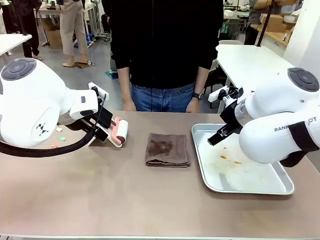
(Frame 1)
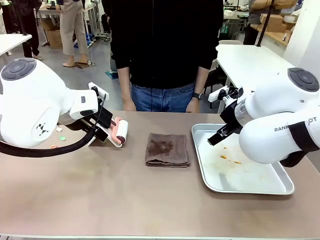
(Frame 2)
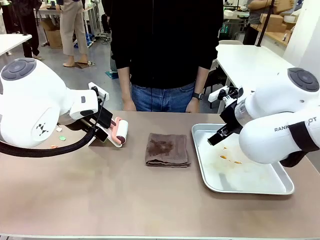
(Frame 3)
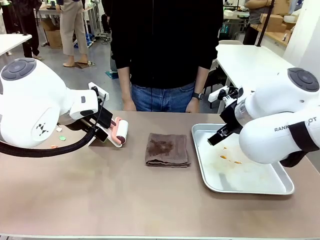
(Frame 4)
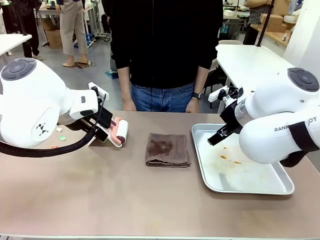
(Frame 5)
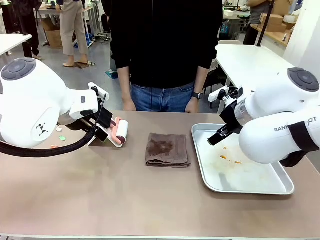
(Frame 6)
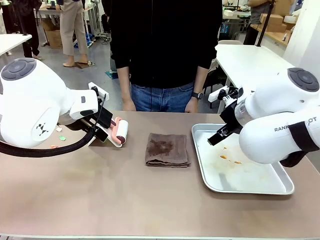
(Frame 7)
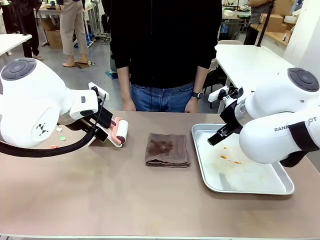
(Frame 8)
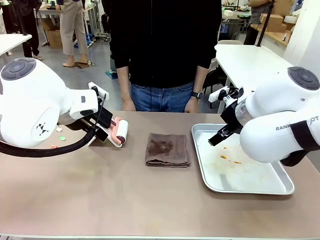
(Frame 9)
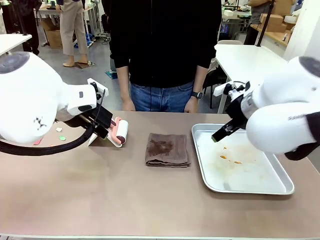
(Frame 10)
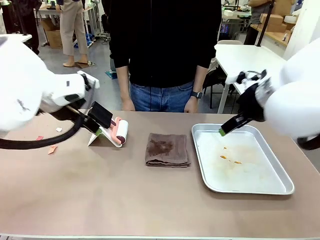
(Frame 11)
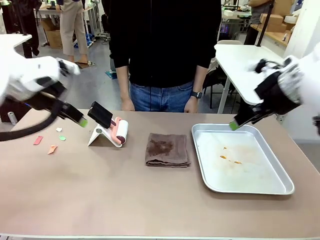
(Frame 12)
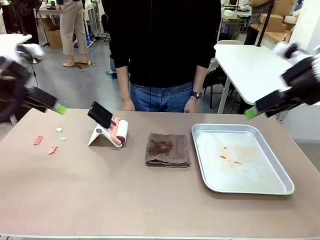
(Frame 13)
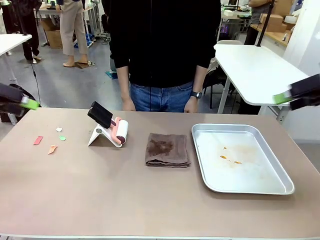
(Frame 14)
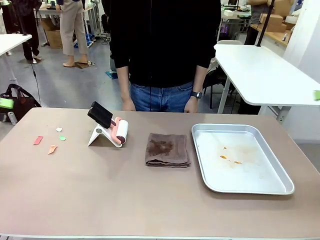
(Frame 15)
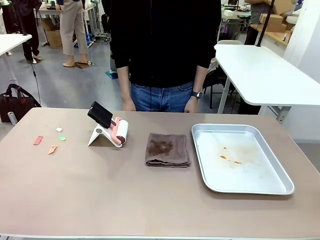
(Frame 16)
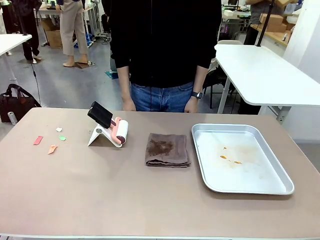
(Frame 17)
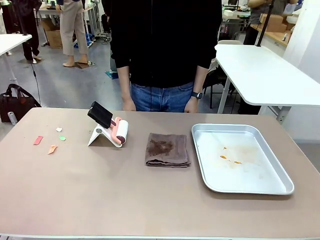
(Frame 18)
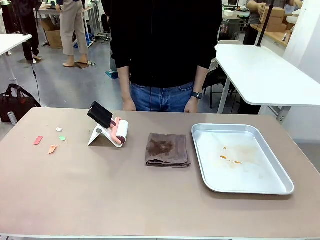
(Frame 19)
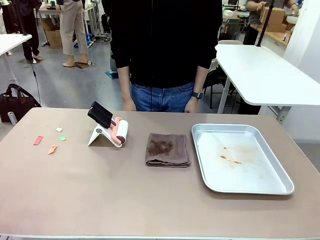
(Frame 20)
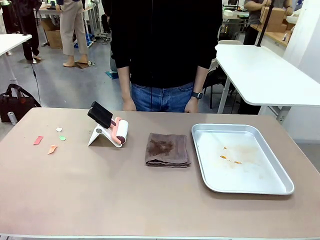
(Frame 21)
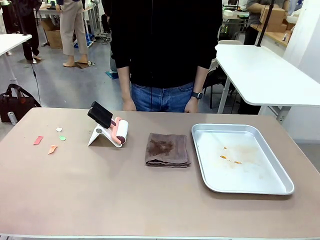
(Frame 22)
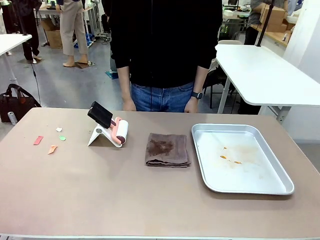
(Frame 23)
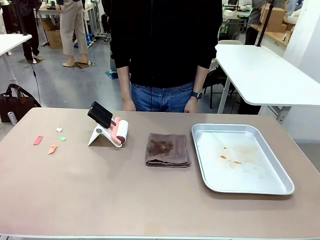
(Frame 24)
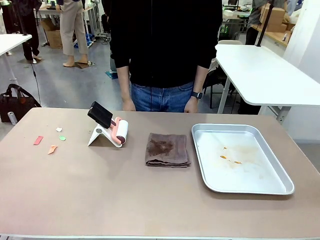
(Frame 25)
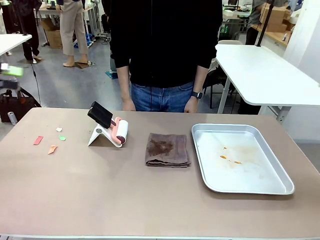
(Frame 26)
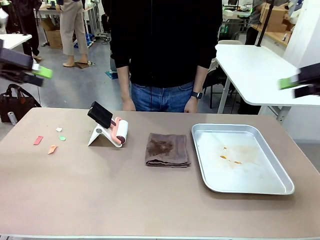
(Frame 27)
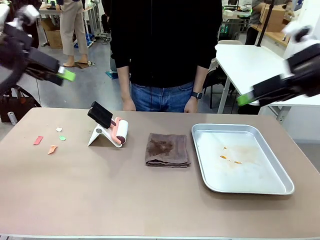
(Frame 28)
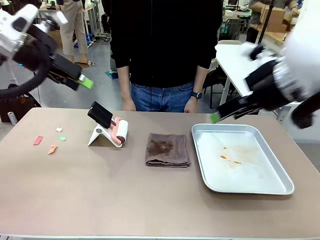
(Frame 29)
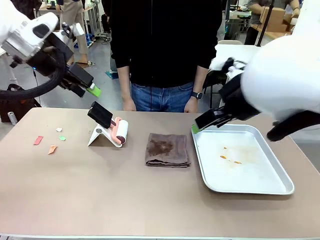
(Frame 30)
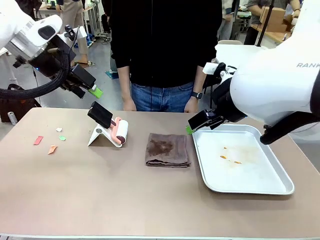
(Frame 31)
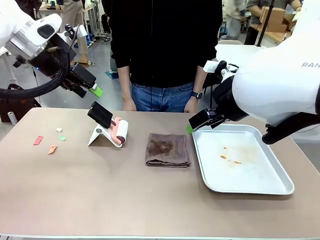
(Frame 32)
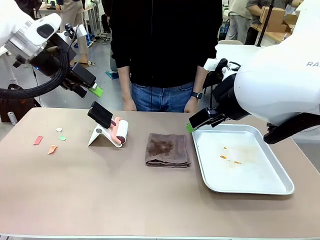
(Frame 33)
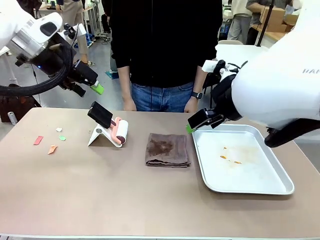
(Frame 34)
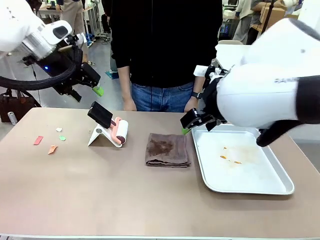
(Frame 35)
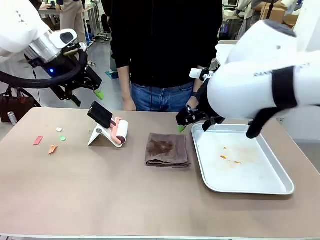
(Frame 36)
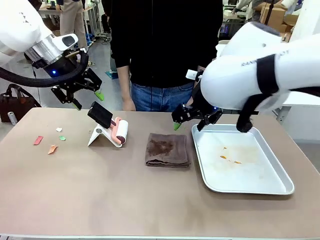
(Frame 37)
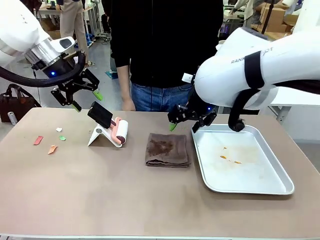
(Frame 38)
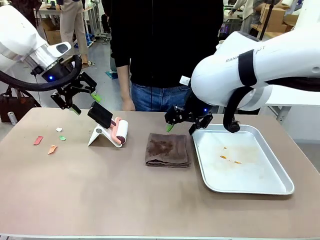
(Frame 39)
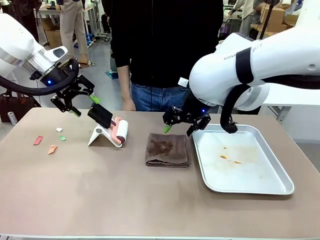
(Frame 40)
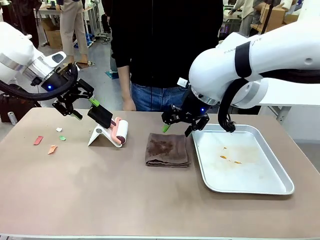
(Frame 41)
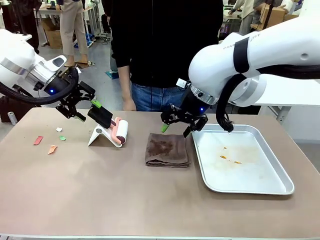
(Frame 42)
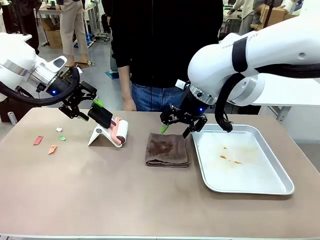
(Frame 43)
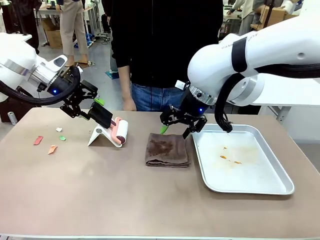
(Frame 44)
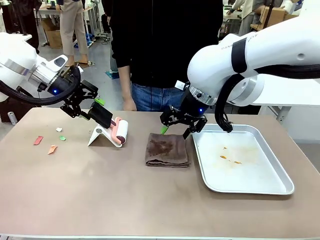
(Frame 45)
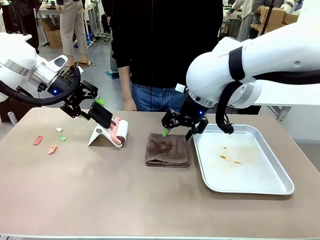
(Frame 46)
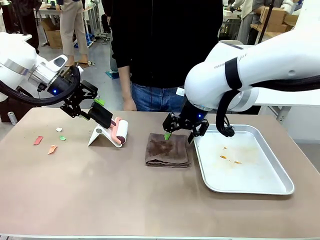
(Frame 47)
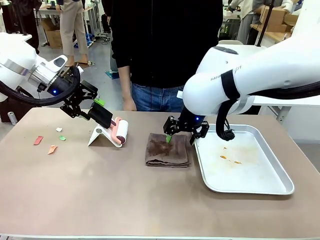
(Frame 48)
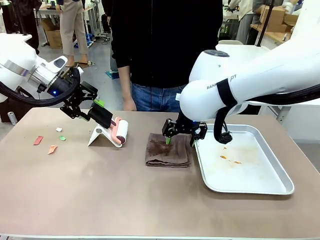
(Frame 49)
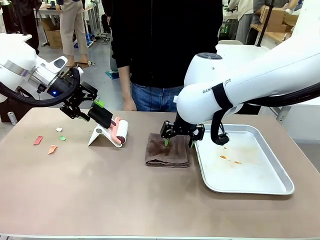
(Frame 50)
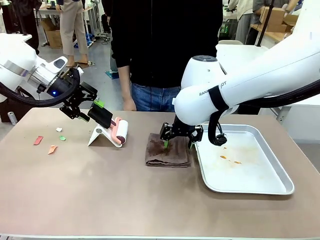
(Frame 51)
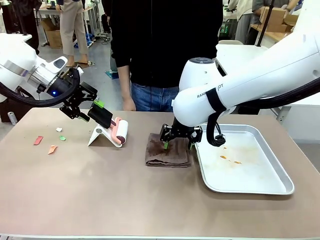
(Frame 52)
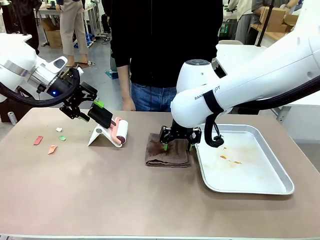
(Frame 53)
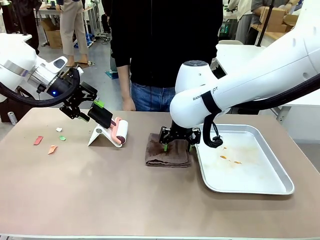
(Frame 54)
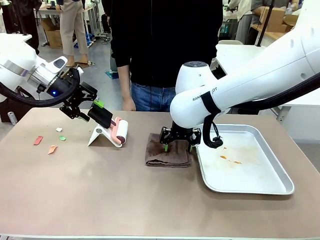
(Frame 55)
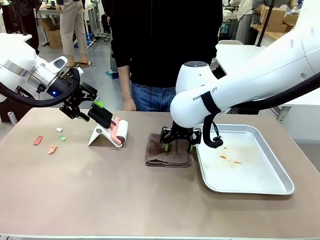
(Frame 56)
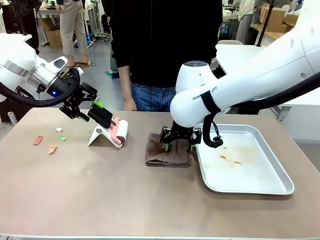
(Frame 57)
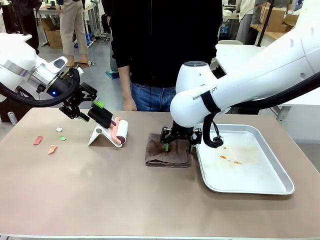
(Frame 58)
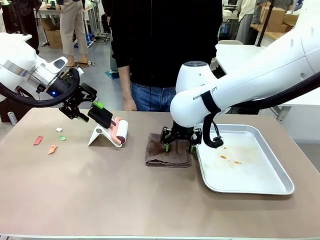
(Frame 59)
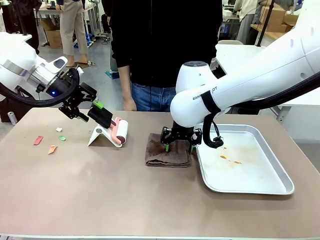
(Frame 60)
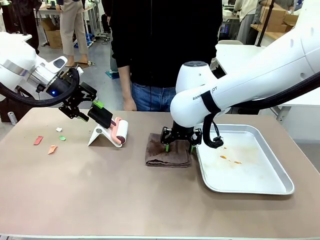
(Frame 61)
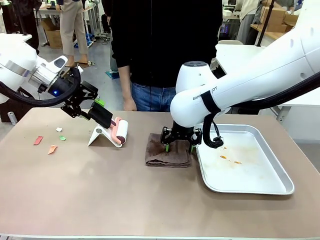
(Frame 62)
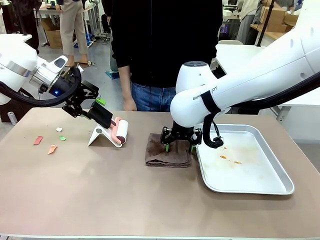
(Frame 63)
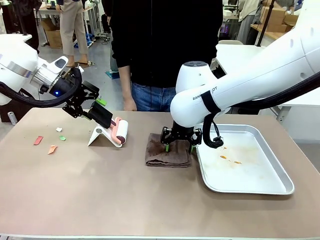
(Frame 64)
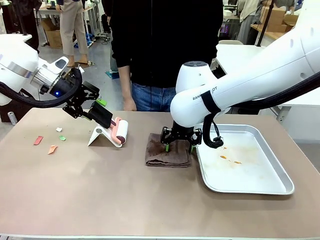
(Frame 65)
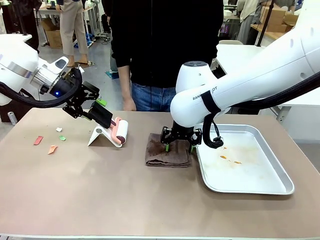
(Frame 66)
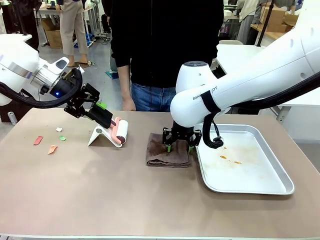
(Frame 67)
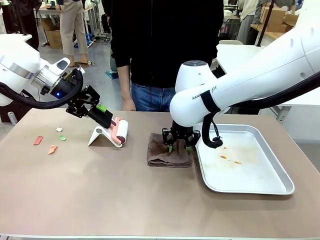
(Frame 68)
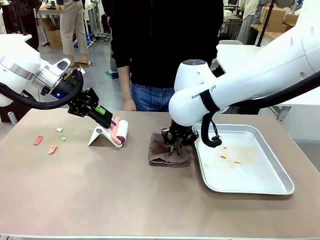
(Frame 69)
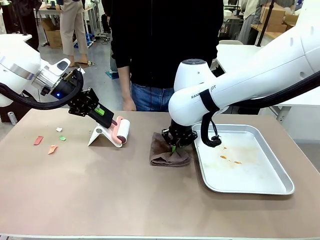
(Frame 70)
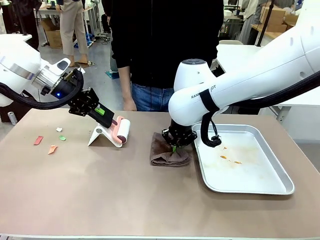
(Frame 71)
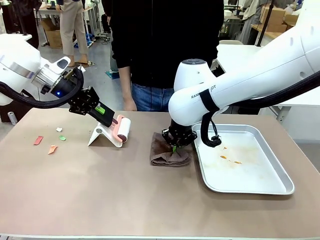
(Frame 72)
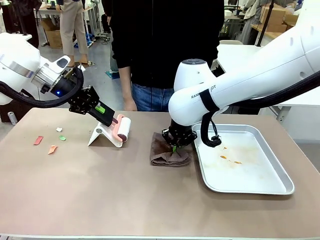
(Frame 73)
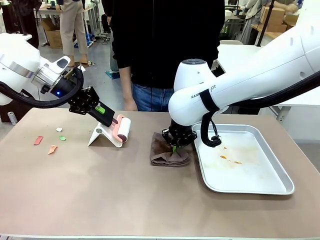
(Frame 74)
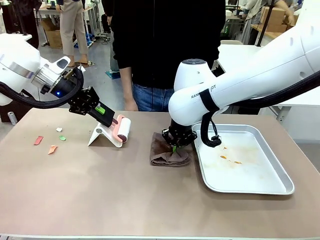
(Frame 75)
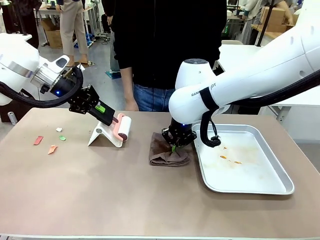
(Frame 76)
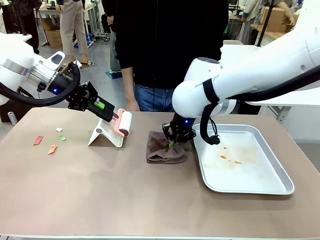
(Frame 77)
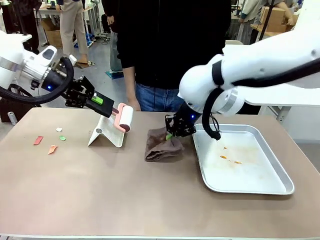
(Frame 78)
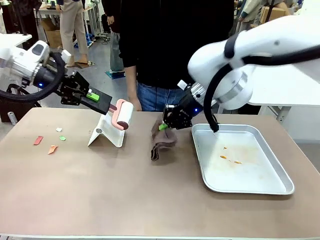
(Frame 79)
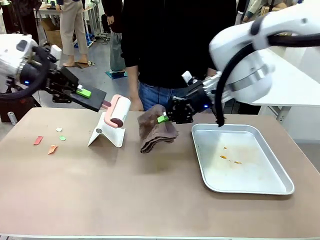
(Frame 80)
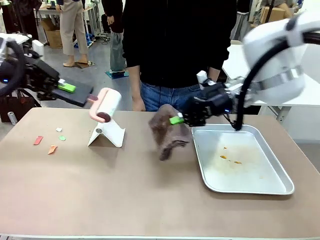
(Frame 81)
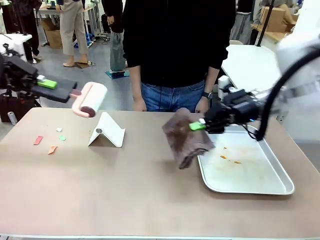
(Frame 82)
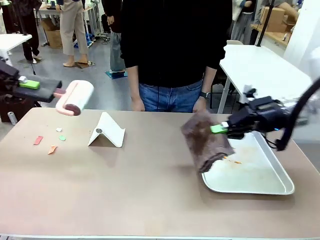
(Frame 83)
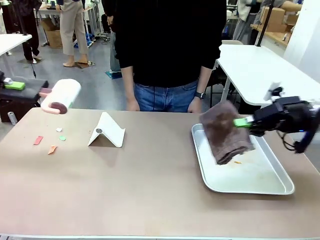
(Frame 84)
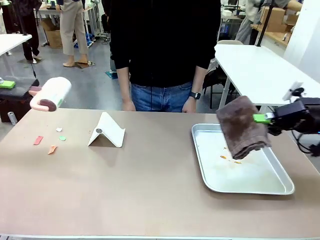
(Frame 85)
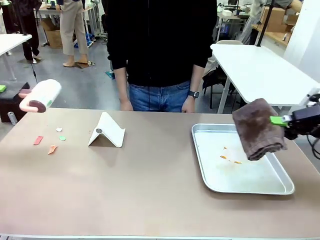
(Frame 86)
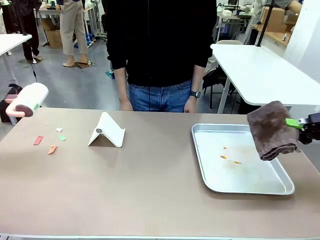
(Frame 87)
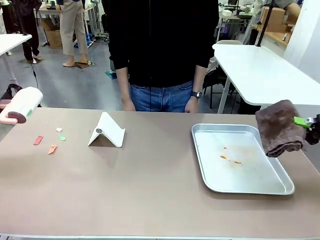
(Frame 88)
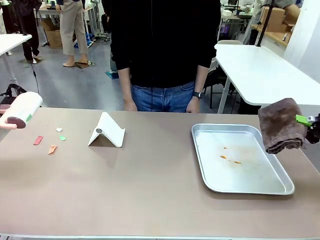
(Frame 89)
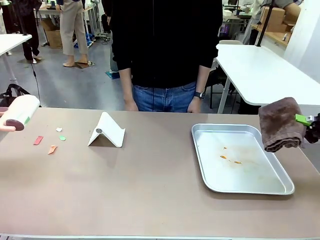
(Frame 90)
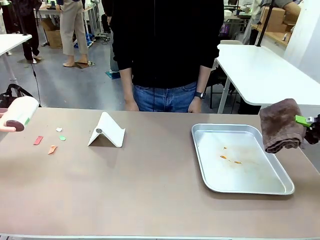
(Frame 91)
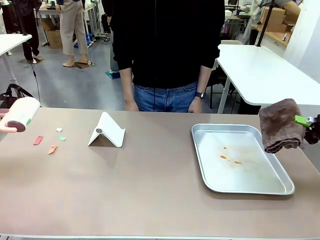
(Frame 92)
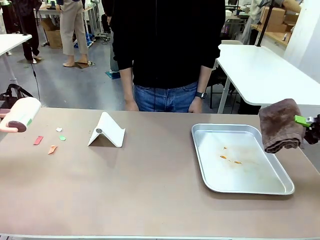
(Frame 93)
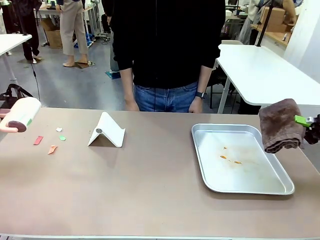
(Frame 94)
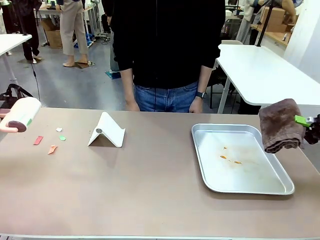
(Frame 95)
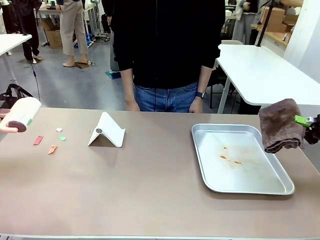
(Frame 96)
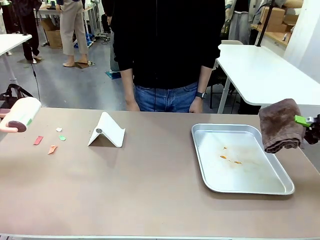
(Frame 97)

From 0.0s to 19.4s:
Task: Clean the surface of the table.
Robot: Hold the Lint Roller with your left hand and the towel with your right hand.
